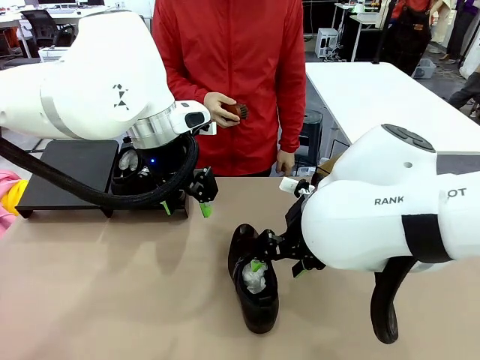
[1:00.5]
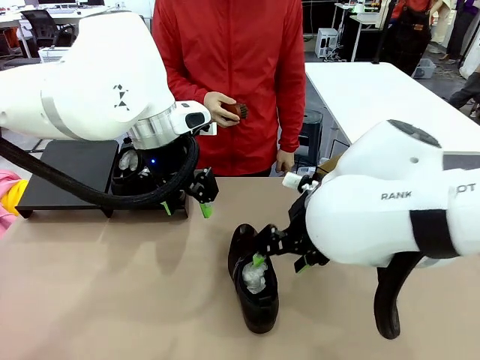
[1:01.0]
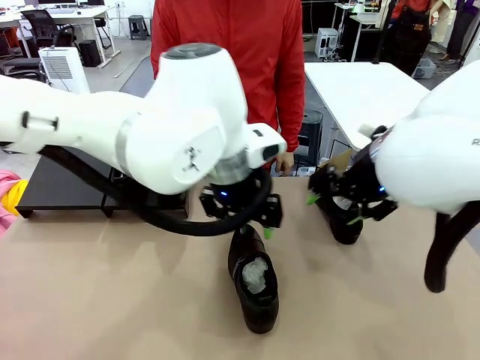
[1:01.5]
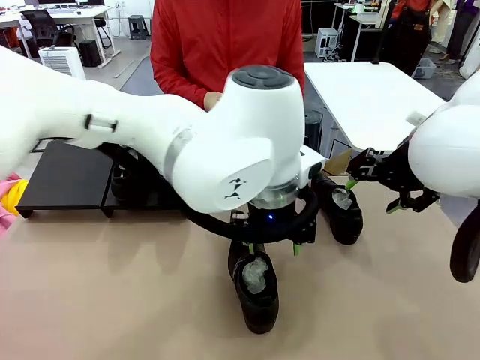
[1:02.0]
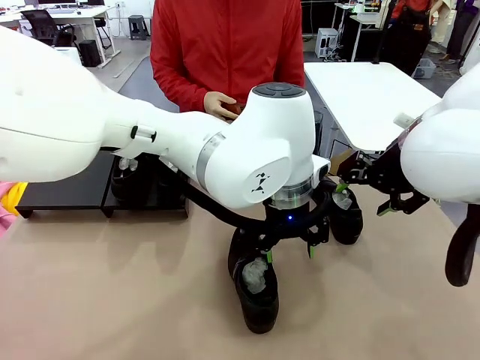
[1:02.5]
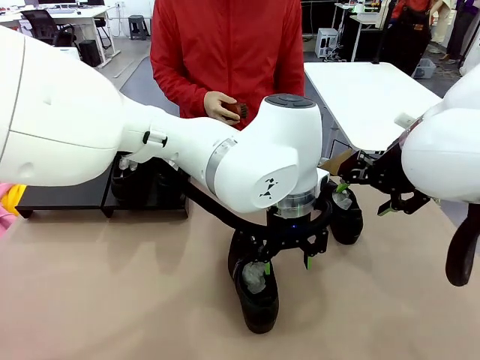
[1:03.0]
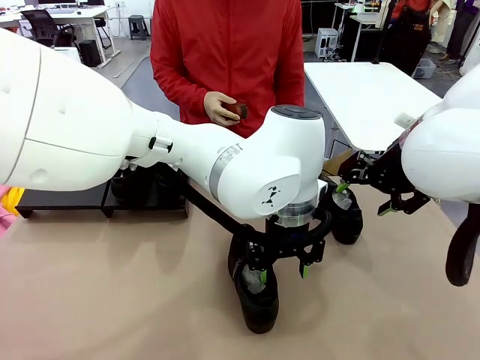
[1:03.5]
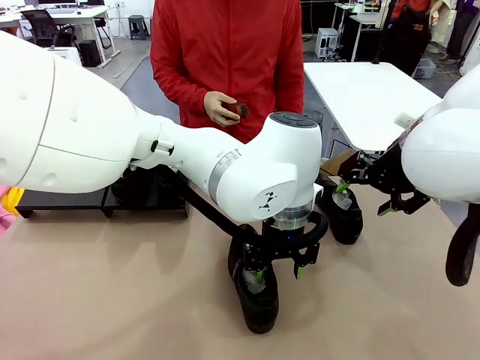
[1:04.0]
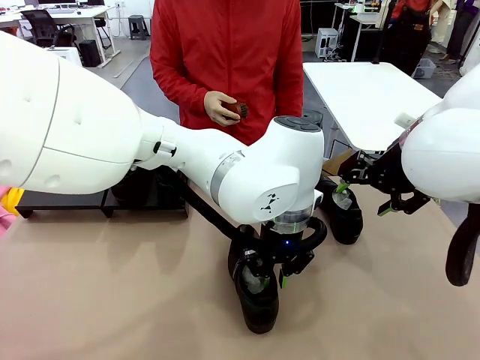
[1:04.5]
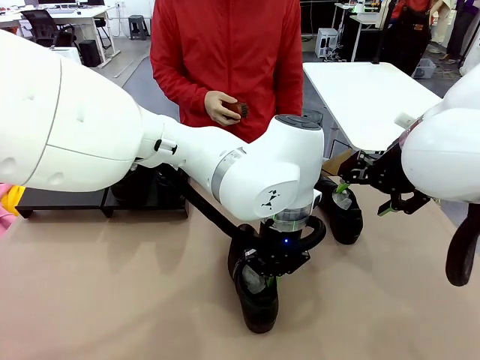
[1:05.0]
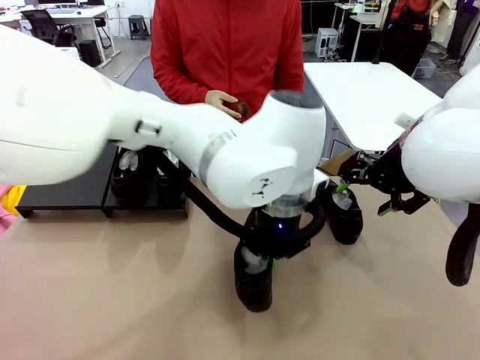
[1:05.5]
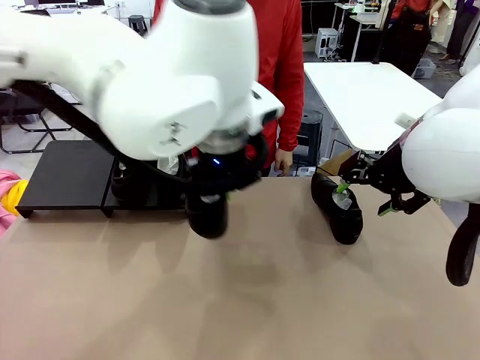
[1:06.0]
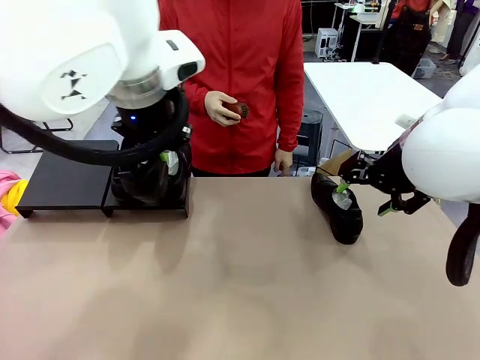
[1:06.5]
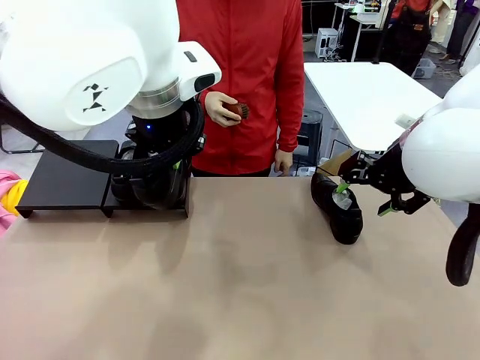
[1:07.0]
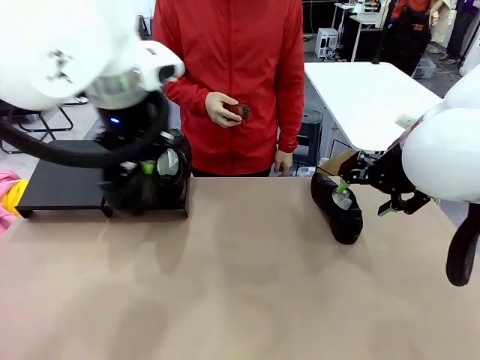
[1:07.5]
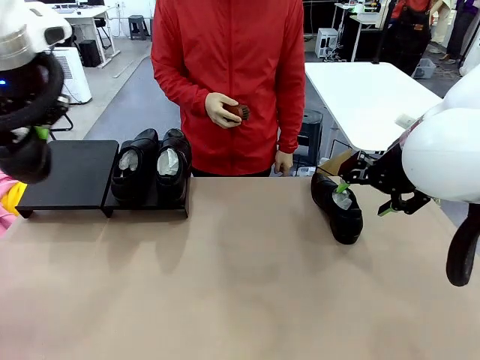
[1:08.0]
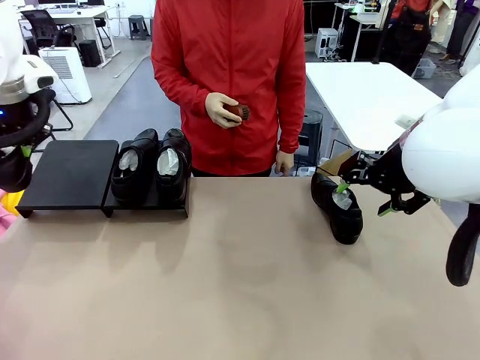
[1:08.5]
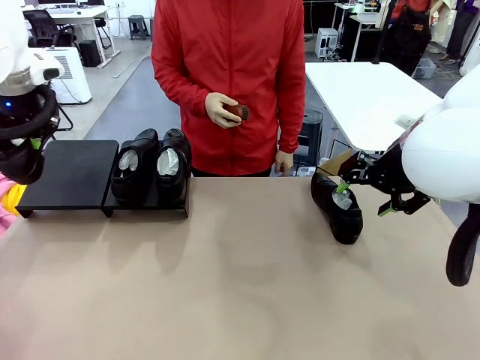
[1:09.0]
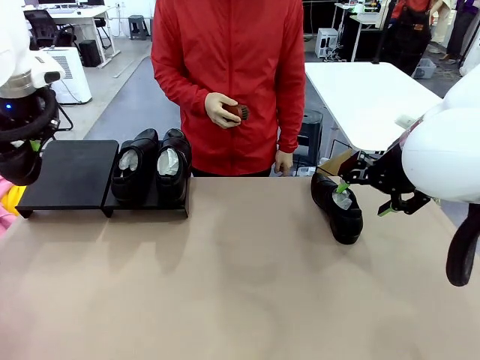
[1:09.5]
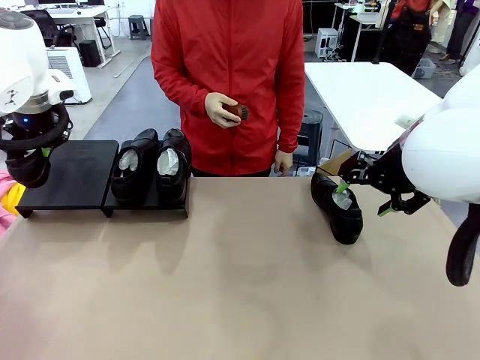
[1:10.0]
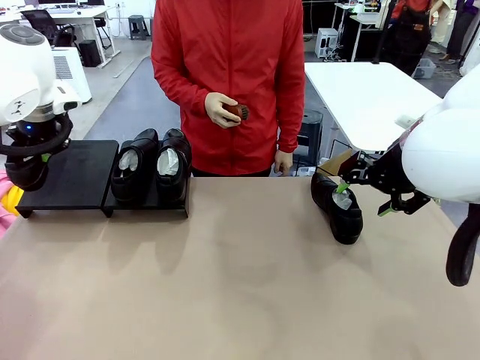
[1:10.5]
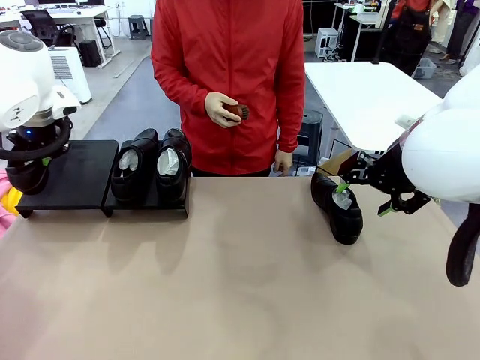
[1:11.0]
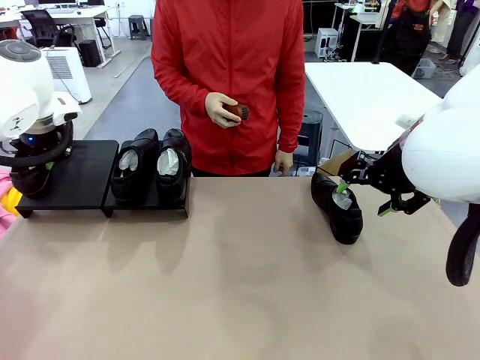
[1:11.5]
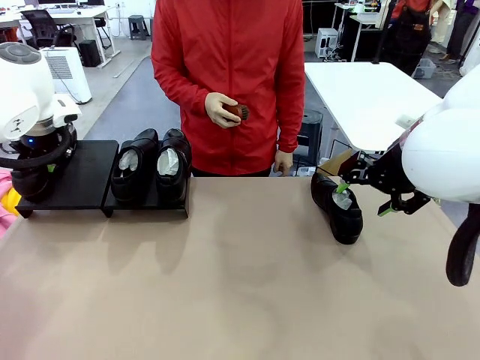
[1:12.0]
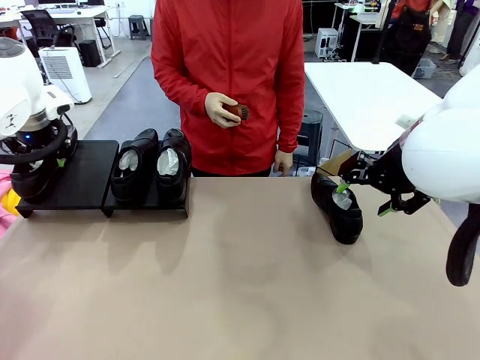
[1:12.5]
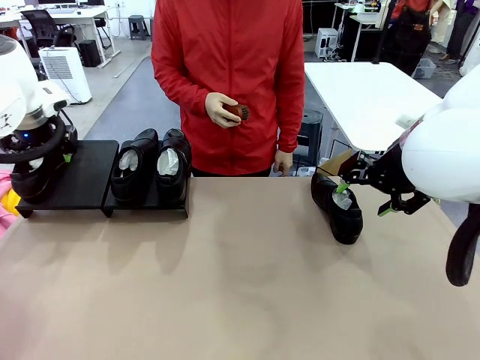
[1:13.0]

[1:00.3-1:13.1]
Task: Organize the shoes by placing them on the stand.
Robot: Place the Shoe from the middle of the table onto the Shoes Stand.

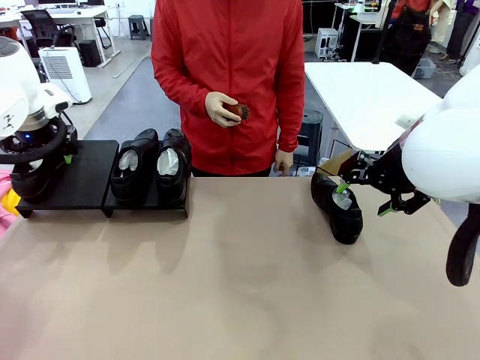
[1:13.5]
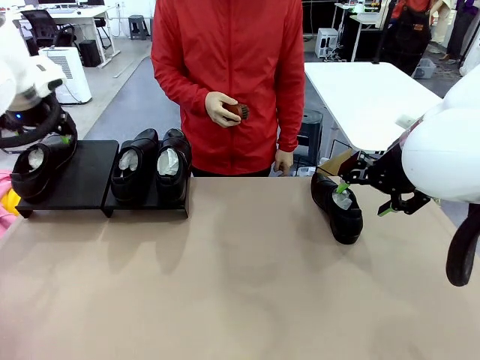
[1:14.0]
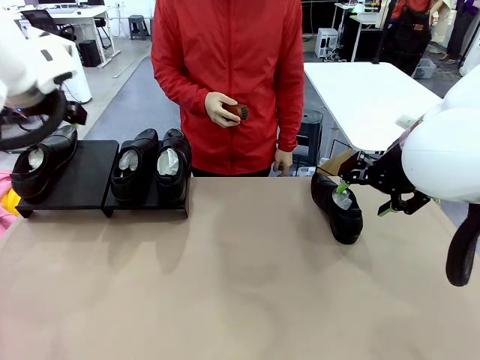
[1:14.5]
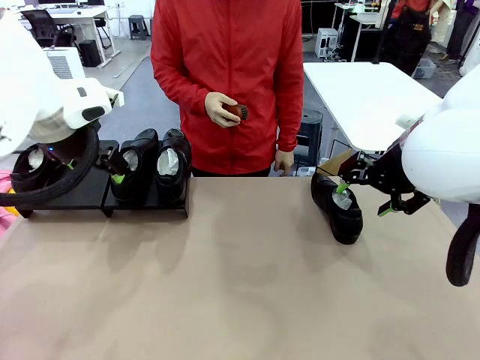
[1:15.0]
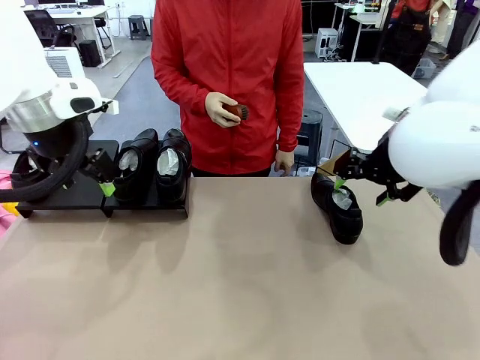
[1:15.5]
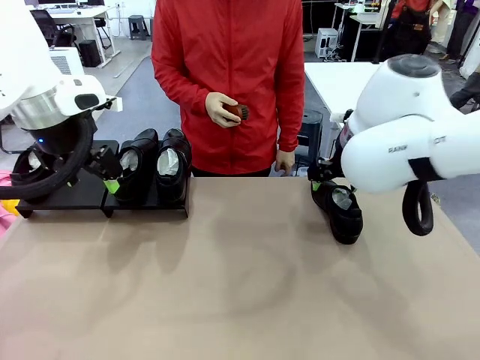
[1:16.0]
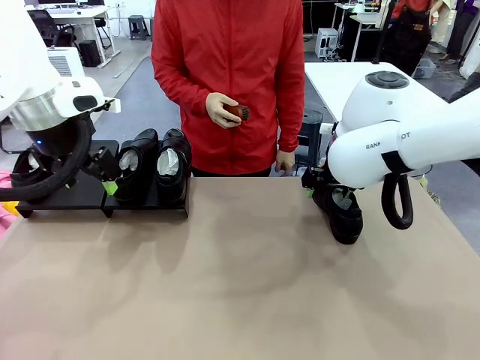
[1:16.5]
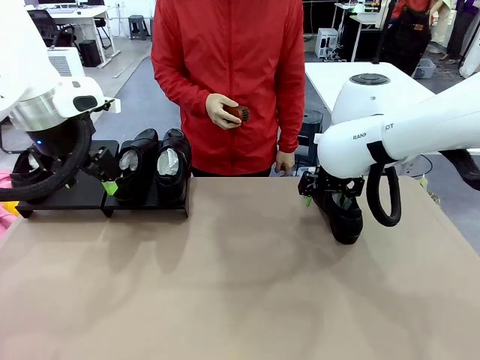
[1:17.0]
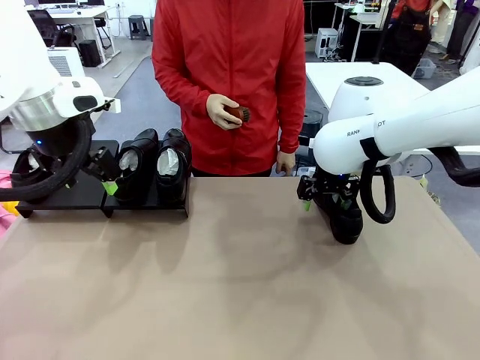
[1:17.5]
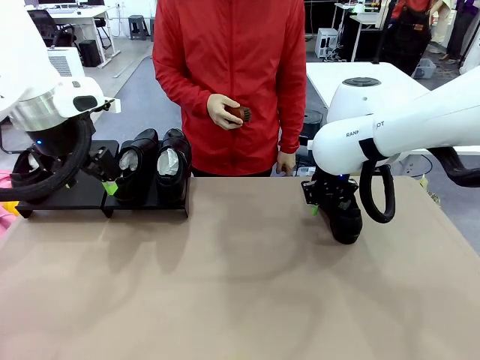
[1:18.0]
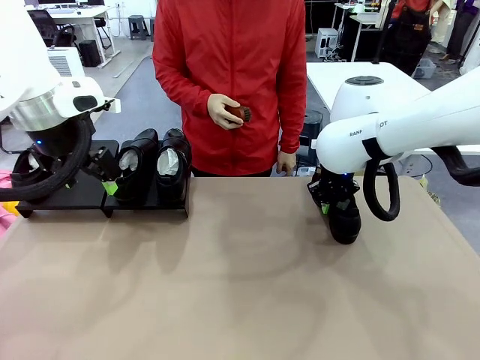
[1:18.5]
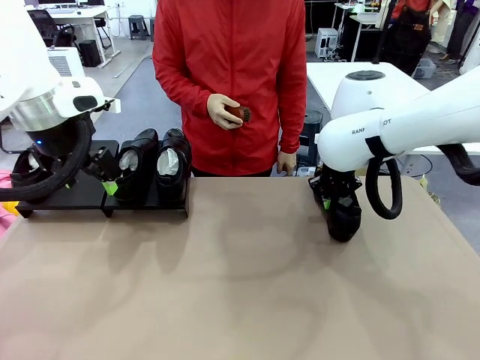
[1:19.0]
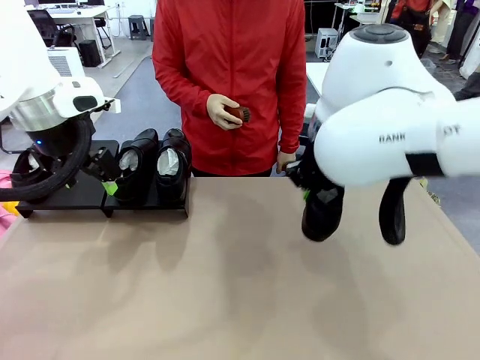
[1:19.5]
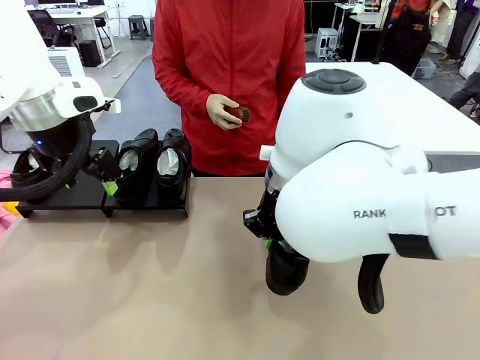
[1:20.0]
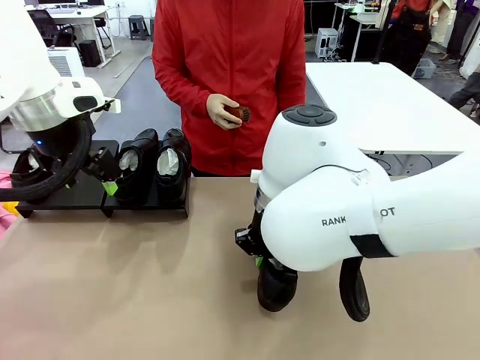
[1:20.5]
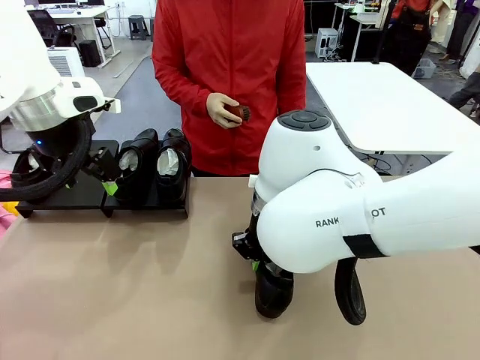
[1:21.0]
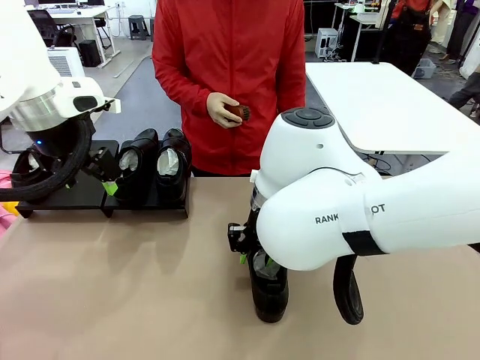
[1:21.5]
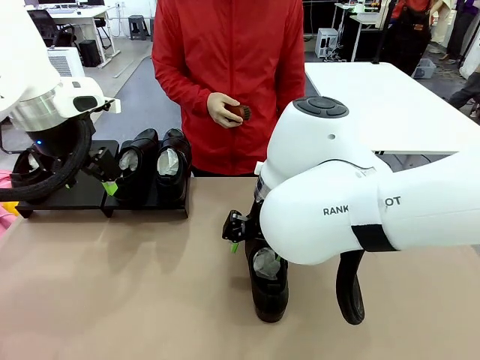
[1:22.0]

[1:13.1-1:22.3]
Robot: Pick up one Shoe and place it in the middle of the table.
